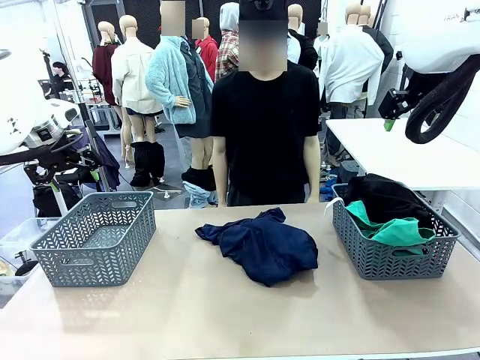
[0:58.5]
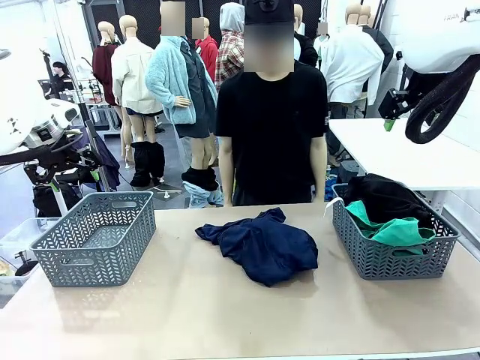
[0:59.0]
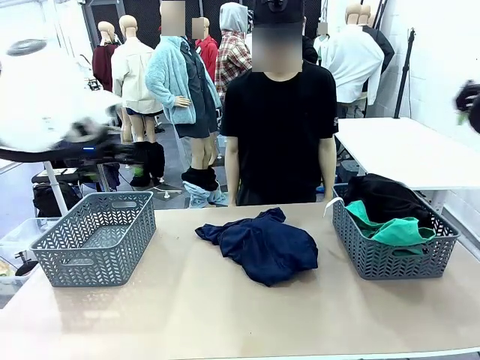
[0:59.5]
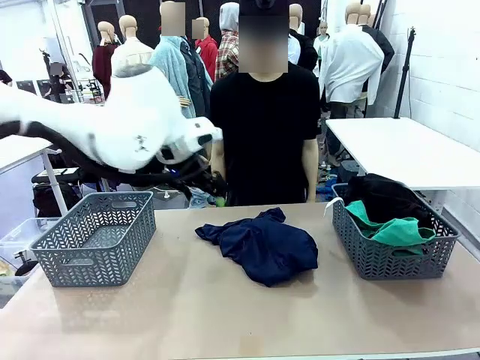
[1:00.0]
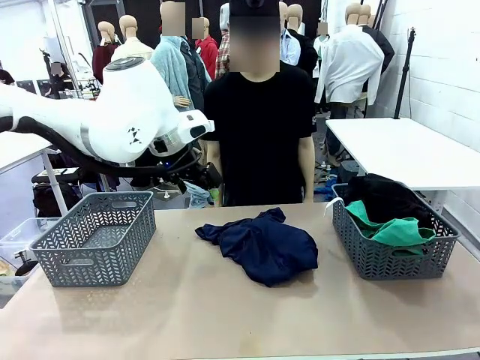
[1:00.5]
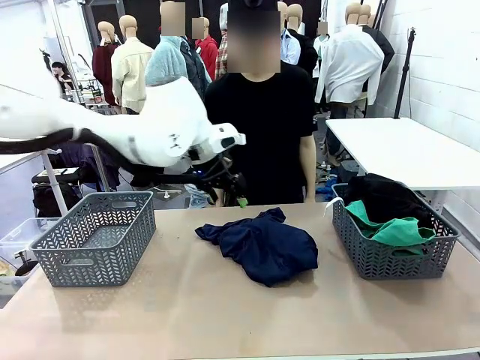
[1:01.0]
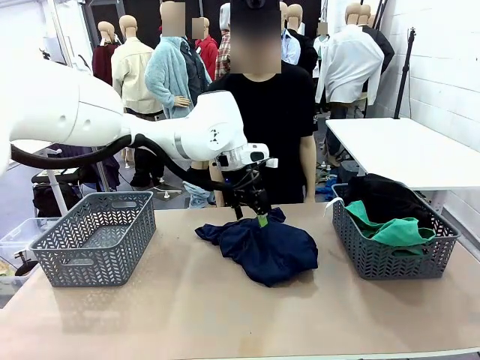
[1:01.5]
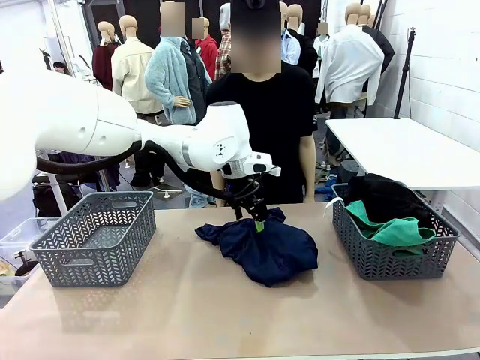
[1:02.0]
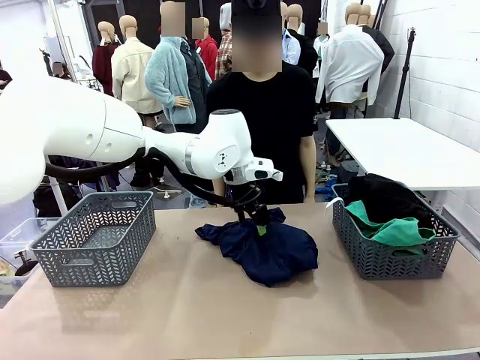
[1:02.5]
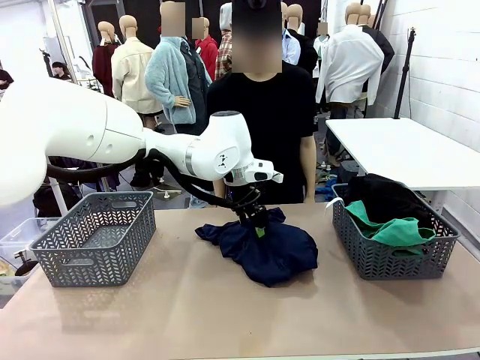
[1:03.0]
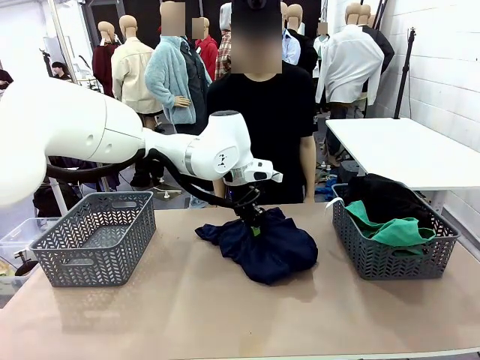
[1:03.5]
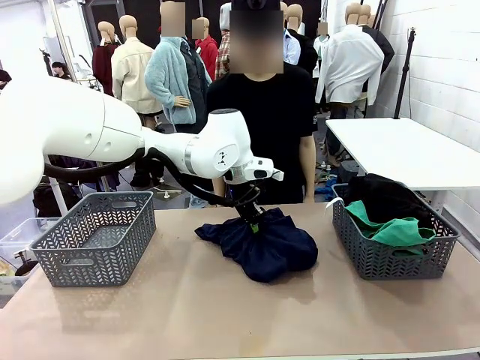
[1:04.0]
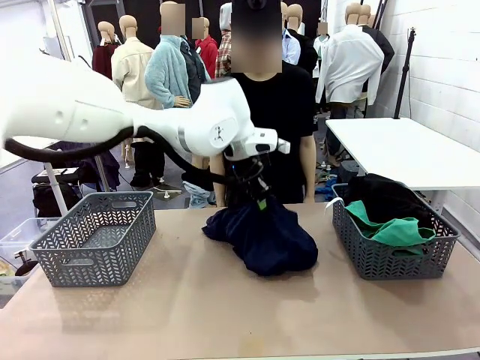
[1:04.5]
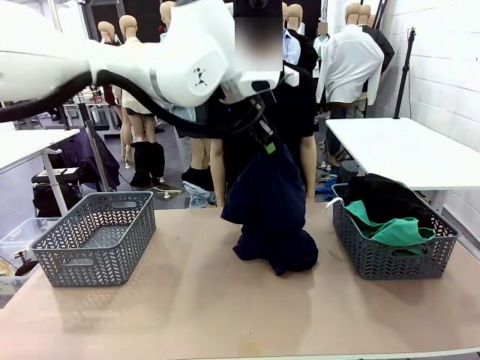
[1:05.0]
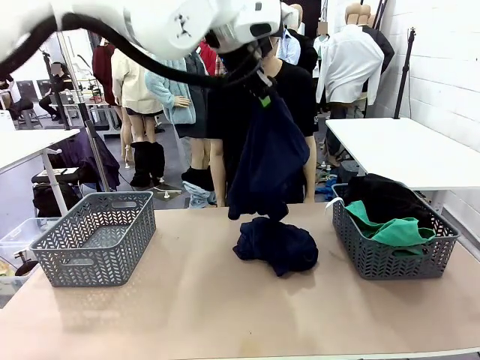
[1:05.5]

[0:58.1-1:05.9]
Task: Sort the tops and bottoms.
Robot: Lift clothes from the center of the table with your left hand.

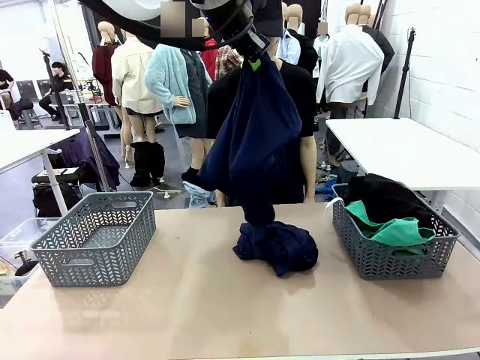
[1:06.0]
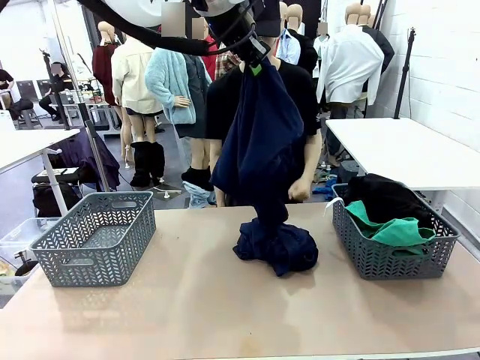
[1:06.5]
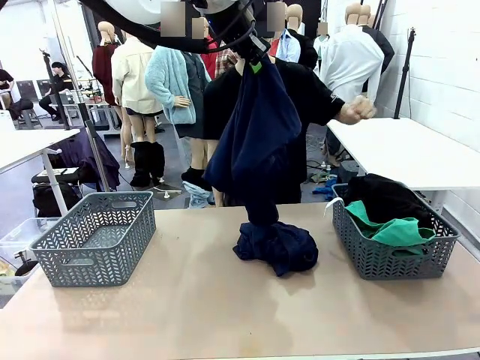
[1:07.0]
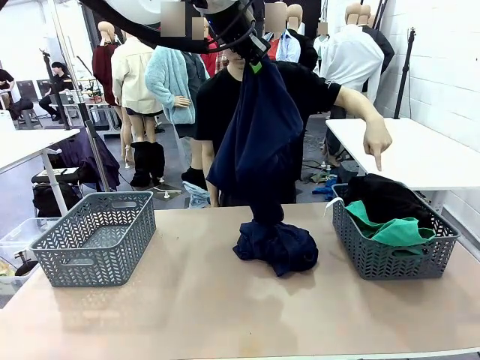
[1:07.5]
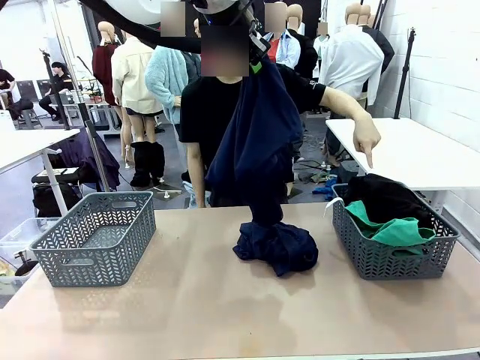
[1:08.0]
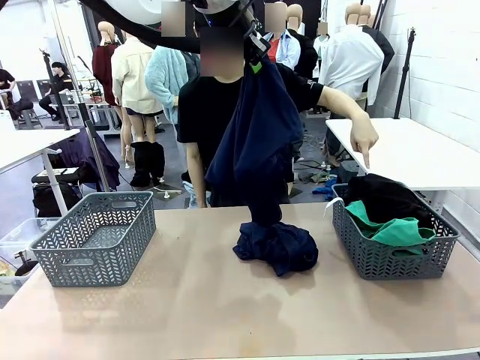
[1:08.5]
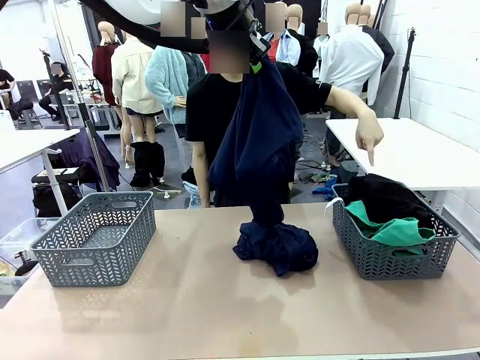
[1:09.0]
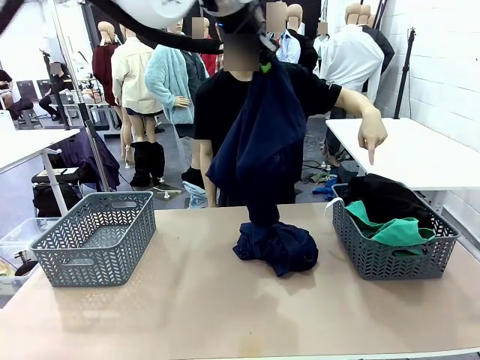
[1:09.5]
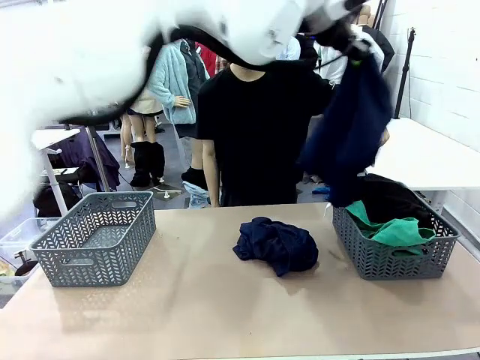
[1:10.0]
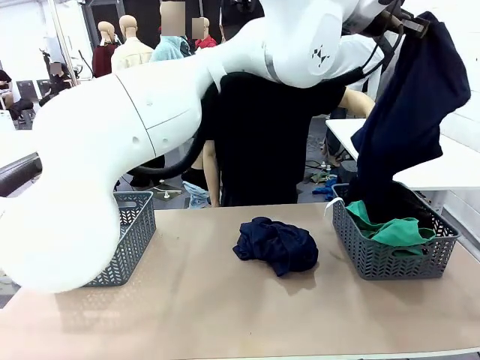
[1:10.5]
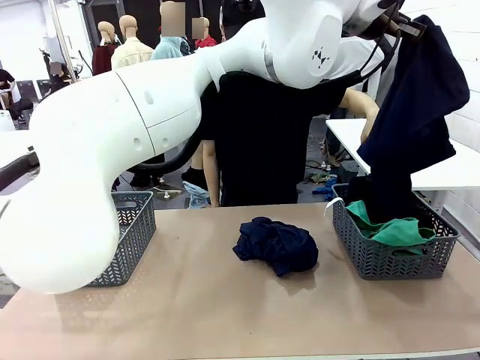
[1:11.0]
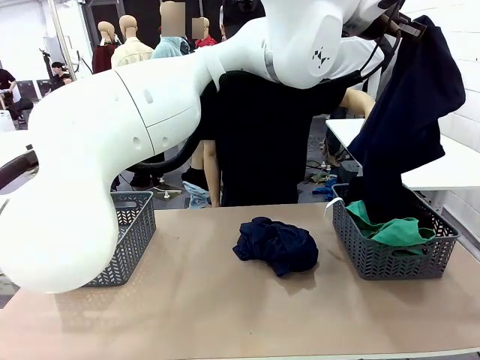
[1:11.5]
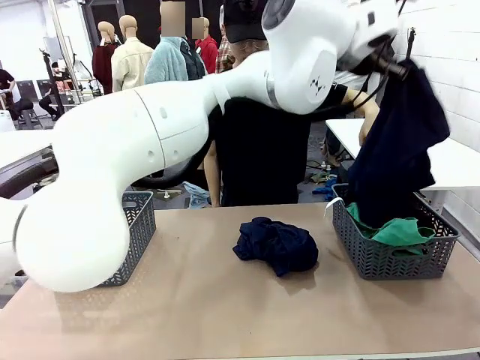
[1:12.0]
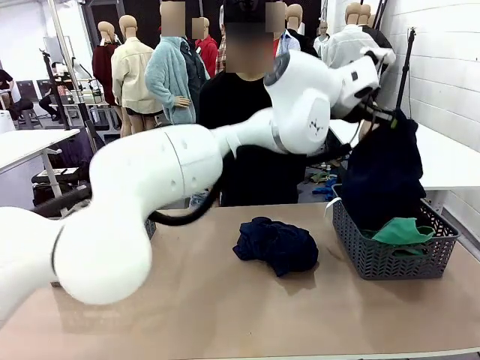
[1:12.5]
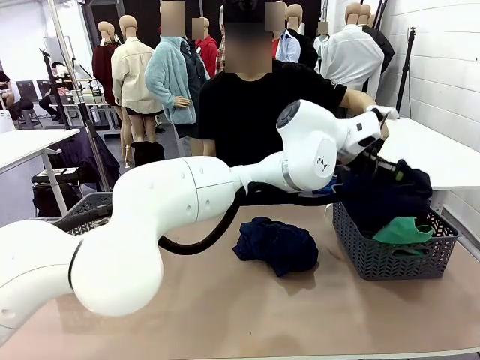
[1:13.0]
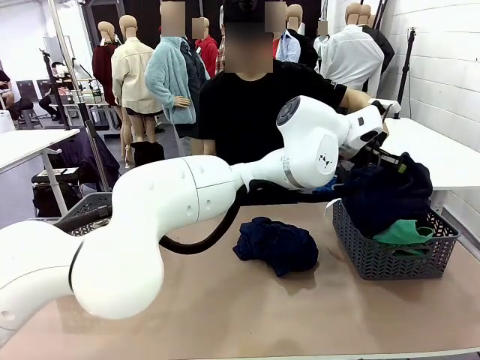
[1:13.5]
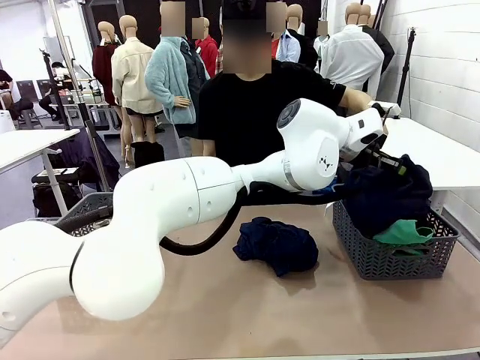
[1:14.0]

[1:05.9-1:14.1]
Robot: Sort the clothes according to human instructions.

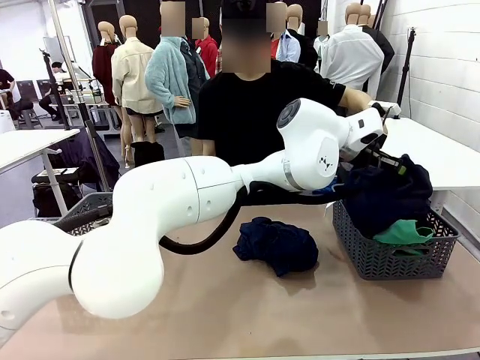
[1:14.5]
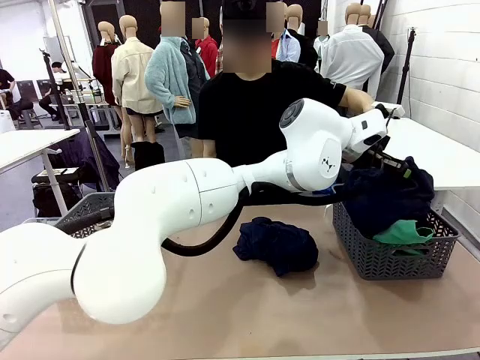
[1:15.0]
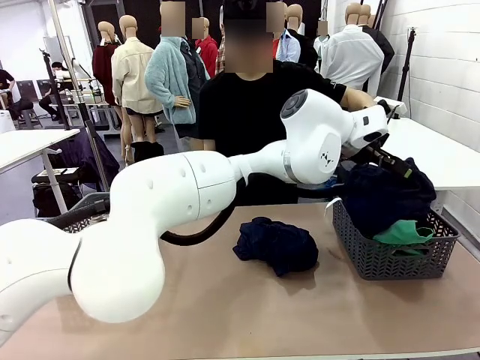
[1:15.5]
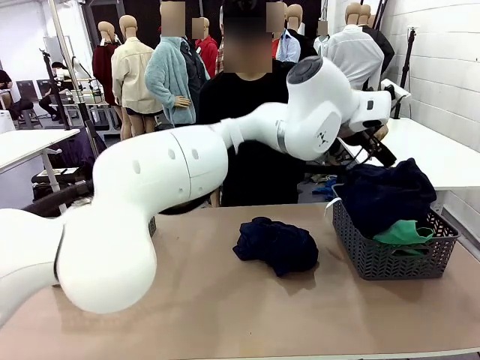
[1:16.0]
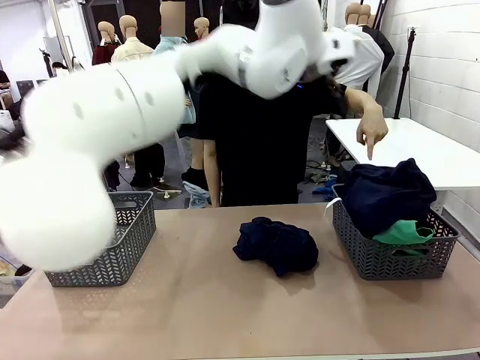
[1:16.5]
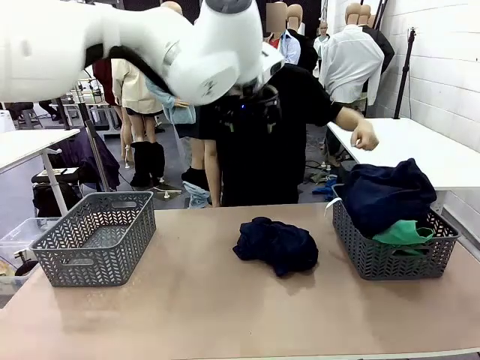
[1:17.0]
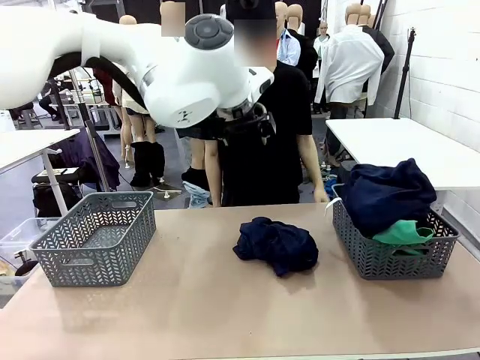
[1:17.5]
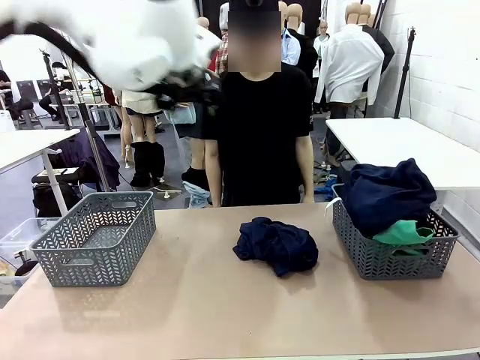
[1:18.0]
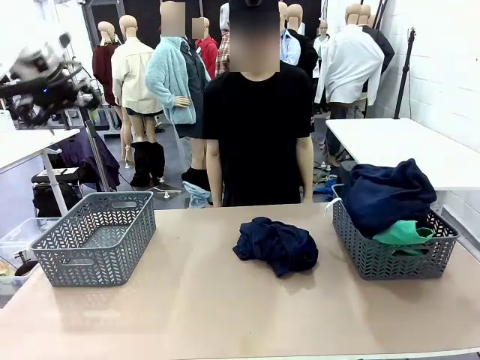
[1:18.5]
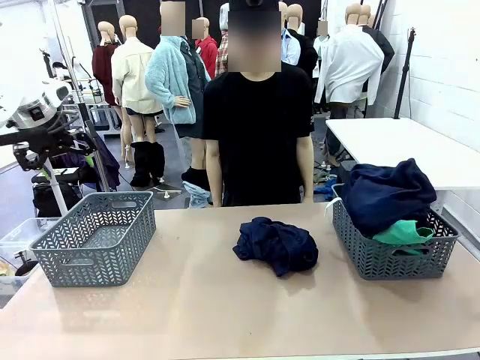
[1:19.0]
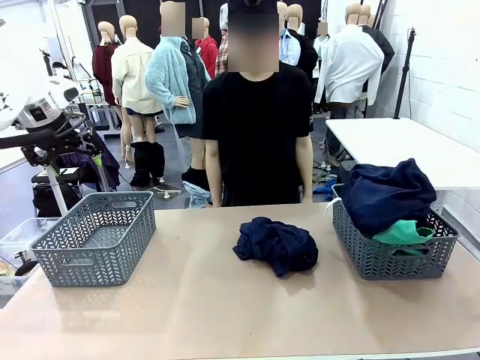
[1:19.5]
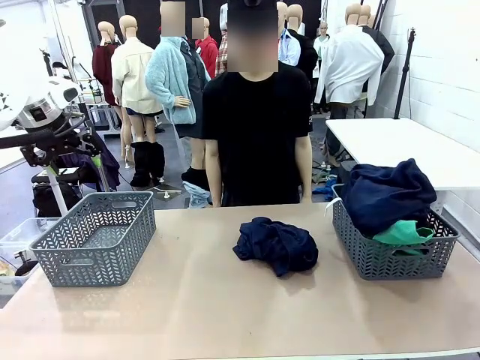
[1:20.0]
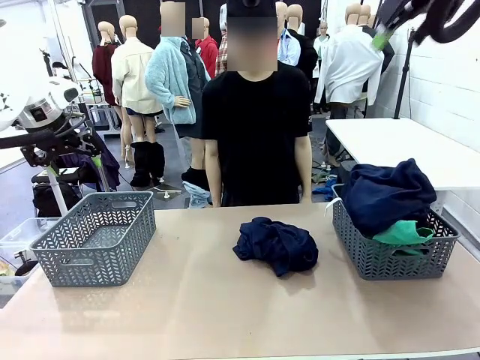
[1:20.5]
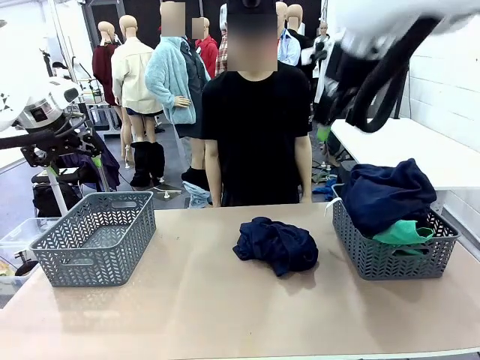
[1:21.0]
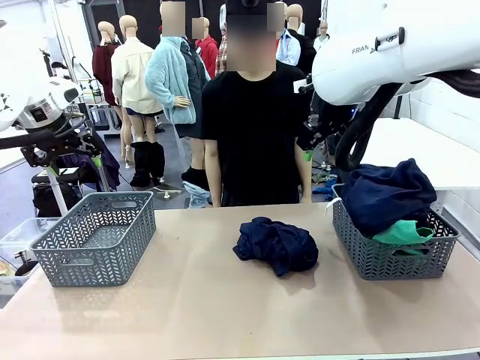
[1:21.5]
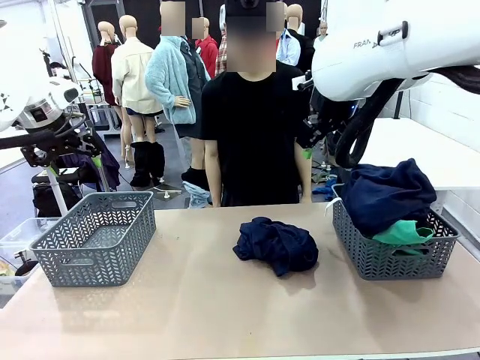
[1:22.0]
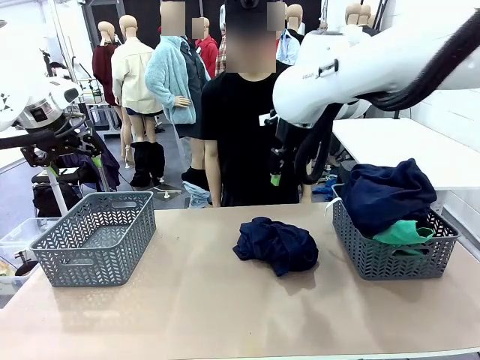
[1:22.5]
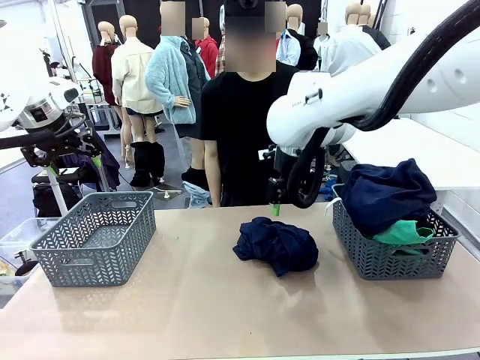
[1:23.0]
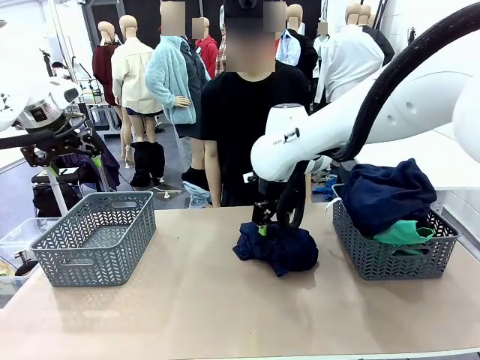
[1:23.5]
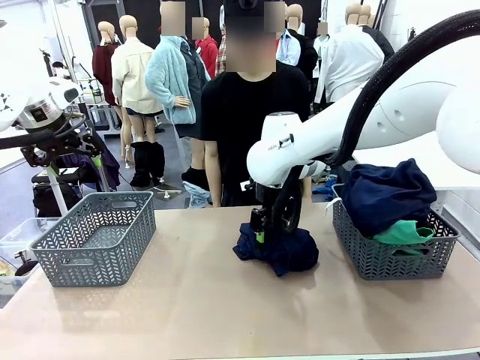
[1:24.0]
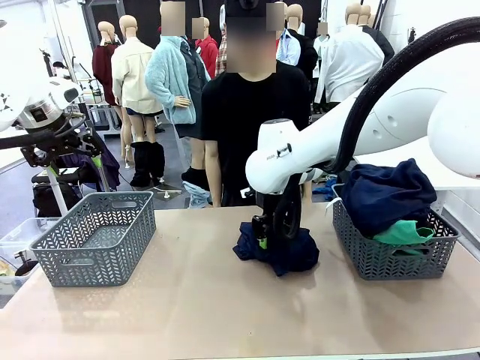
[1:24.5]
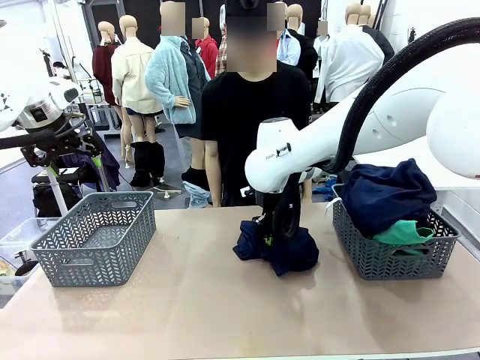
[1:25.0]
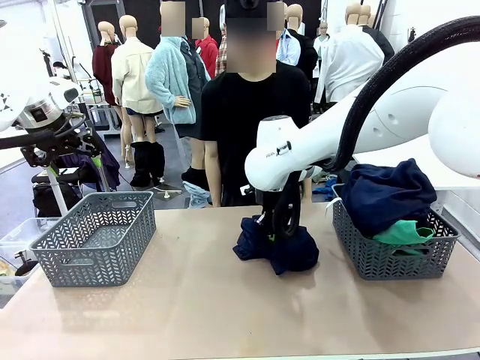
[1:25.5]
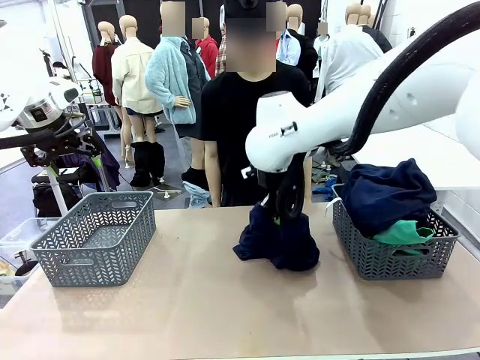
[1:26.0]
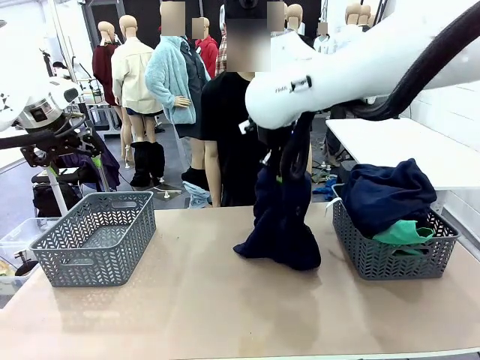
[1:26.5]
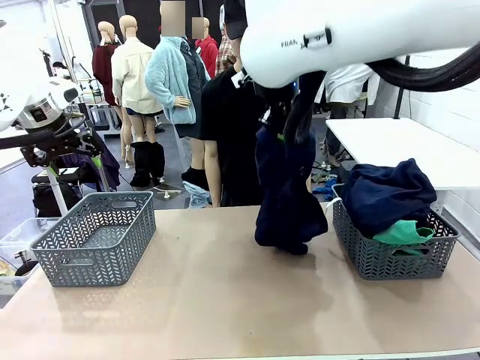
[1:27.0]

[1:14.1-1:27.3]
Robot: Lift clothes from the center of the table with your right hand.
